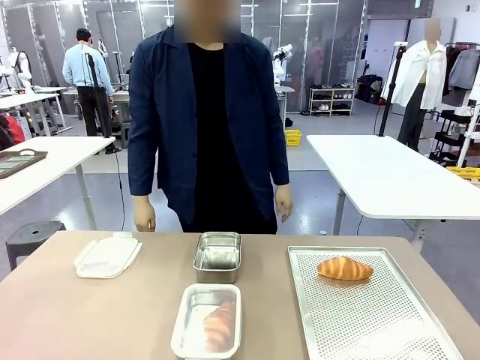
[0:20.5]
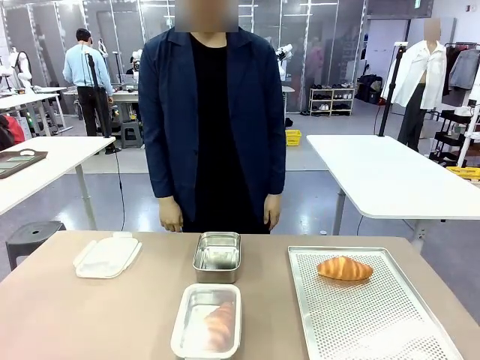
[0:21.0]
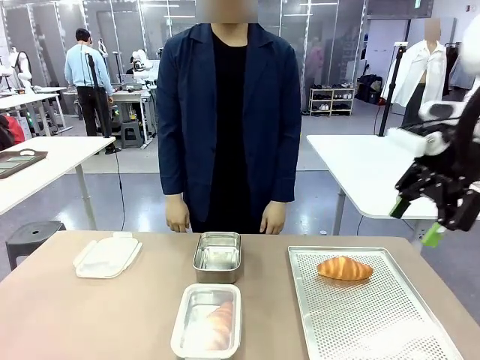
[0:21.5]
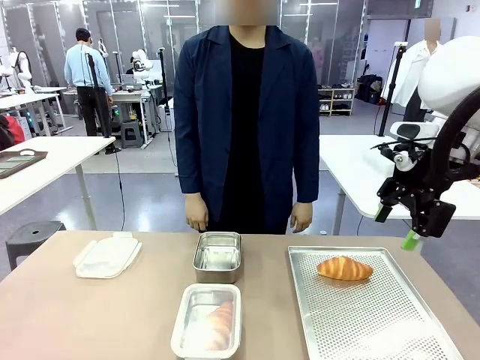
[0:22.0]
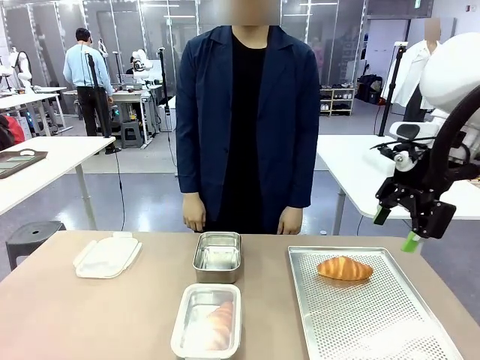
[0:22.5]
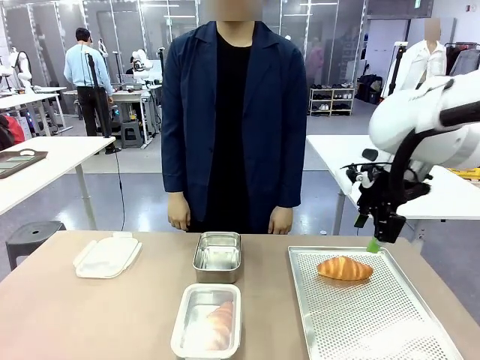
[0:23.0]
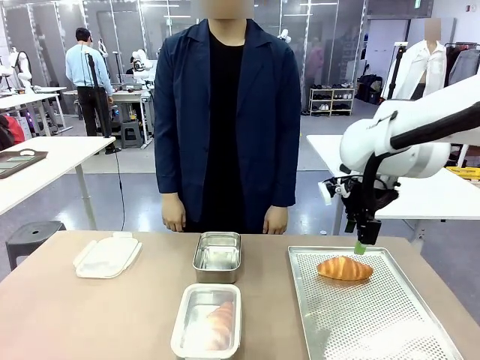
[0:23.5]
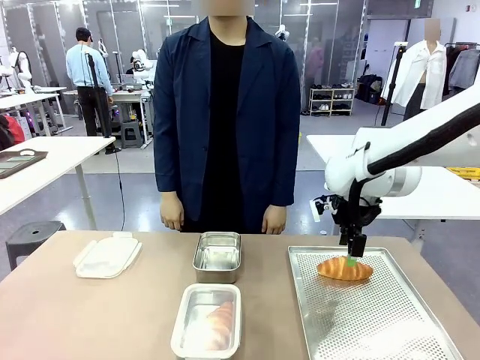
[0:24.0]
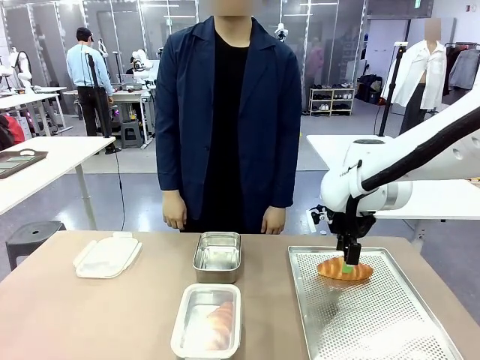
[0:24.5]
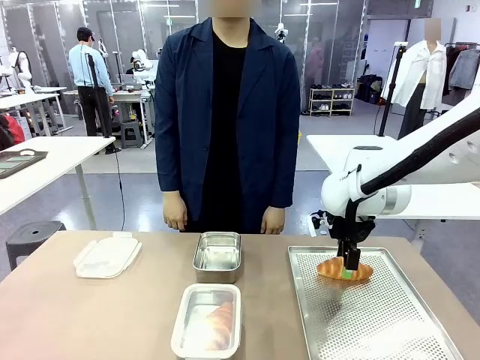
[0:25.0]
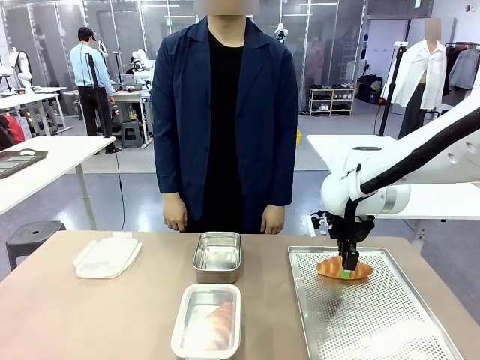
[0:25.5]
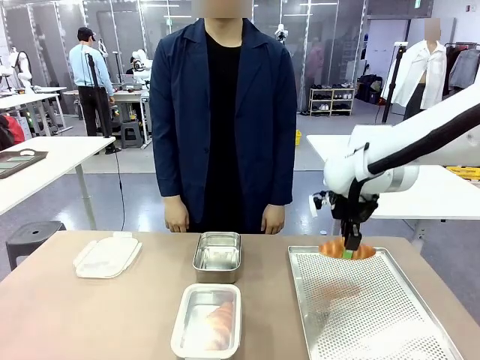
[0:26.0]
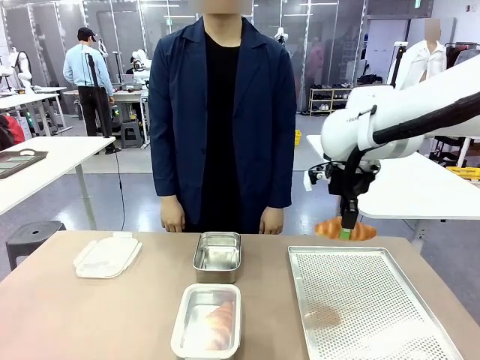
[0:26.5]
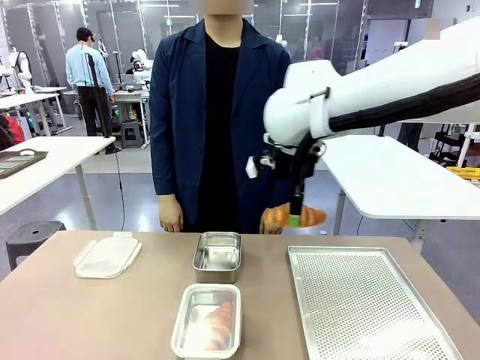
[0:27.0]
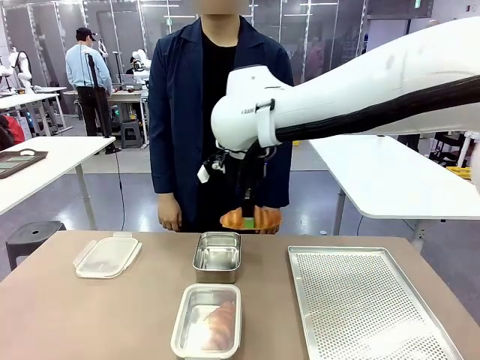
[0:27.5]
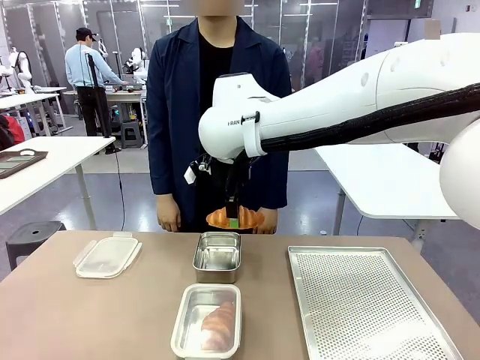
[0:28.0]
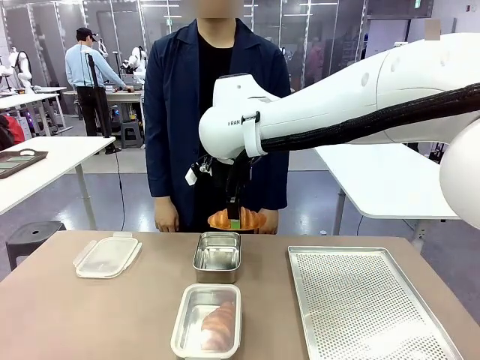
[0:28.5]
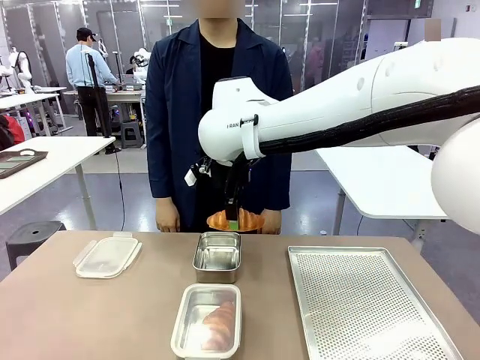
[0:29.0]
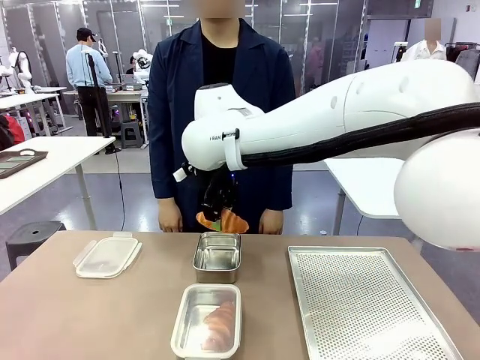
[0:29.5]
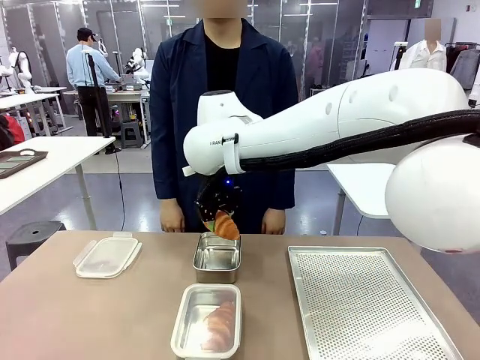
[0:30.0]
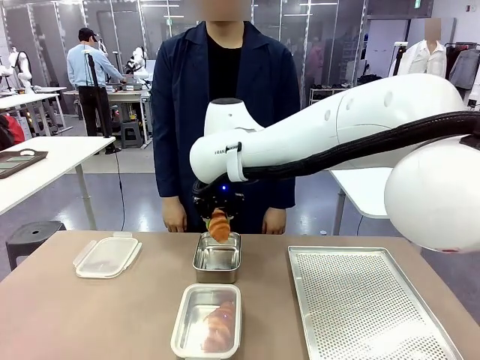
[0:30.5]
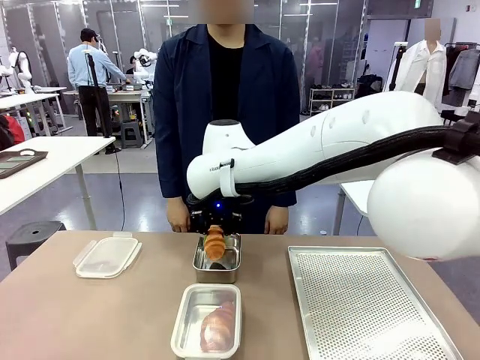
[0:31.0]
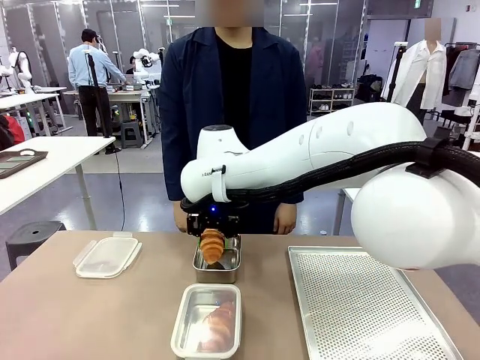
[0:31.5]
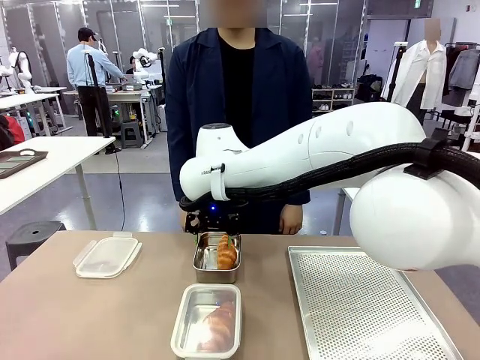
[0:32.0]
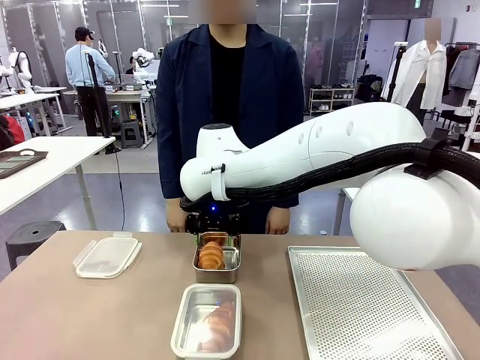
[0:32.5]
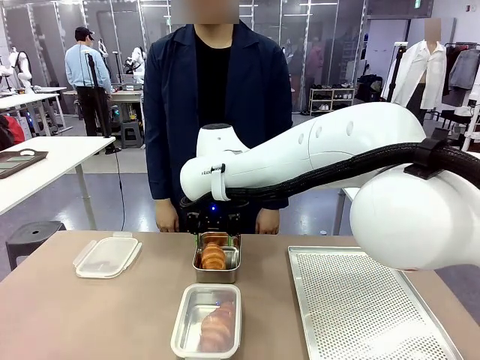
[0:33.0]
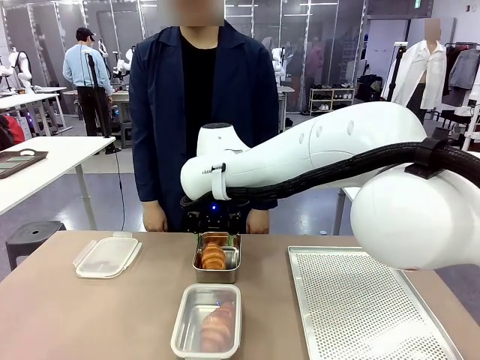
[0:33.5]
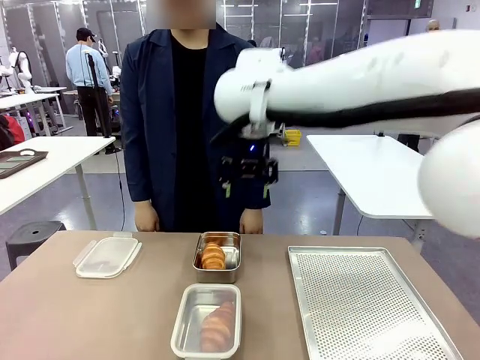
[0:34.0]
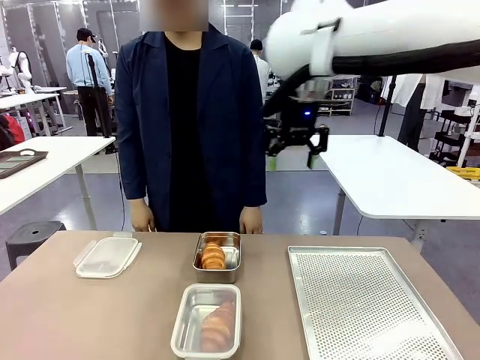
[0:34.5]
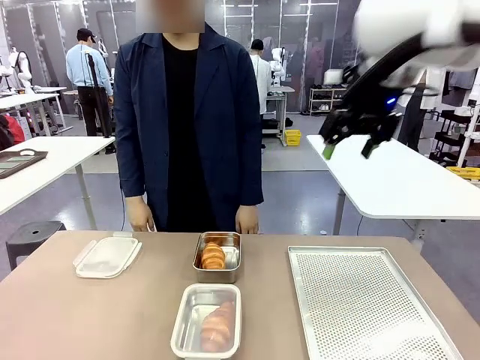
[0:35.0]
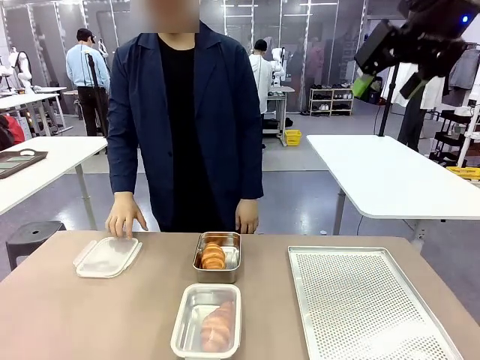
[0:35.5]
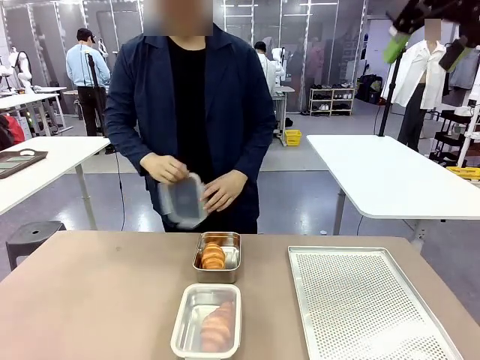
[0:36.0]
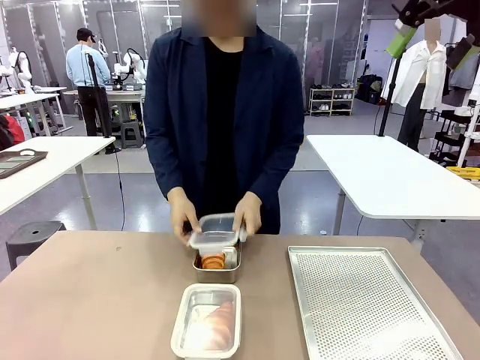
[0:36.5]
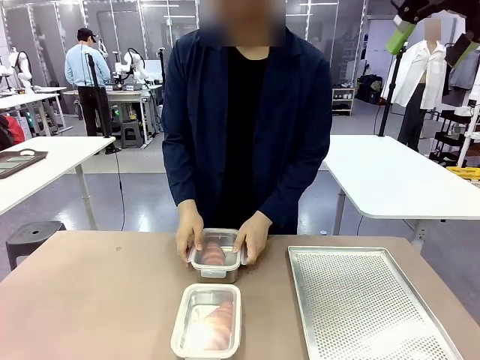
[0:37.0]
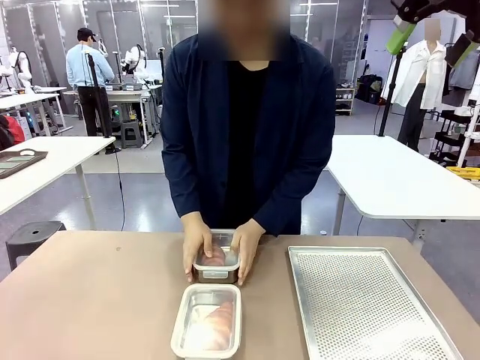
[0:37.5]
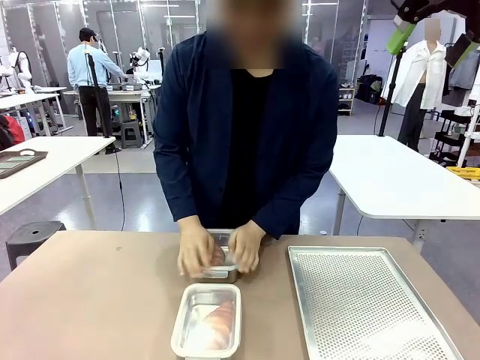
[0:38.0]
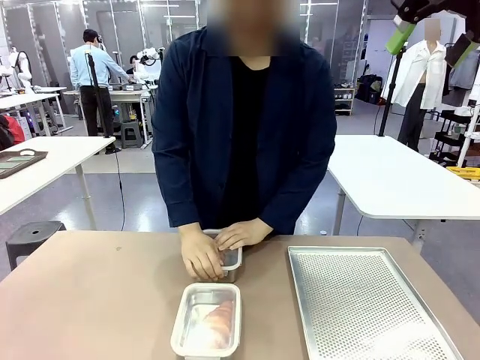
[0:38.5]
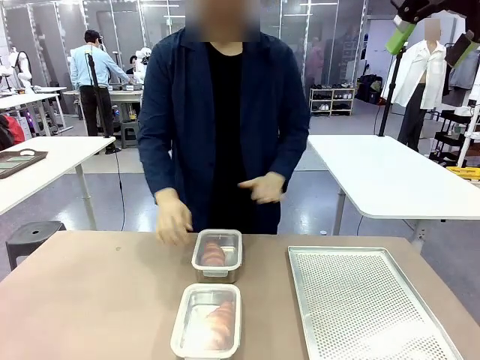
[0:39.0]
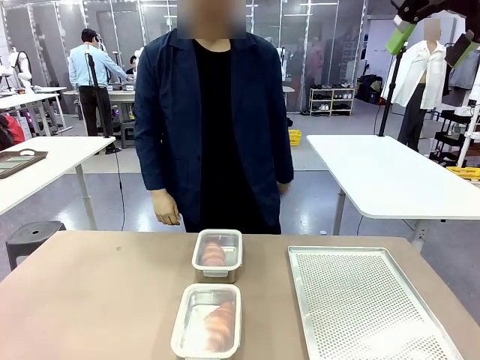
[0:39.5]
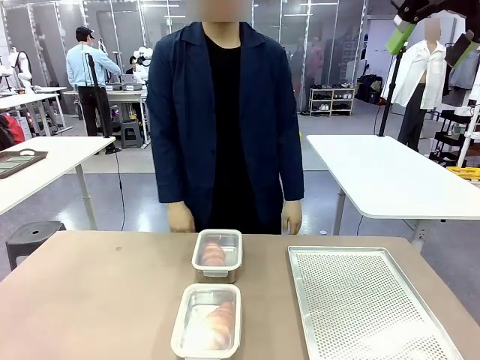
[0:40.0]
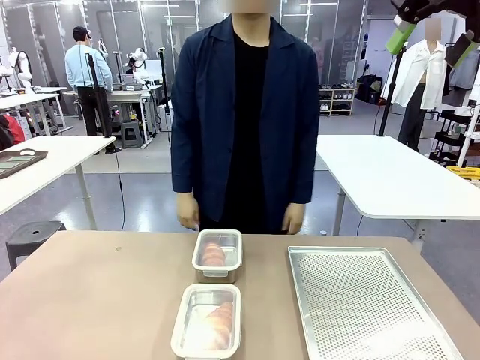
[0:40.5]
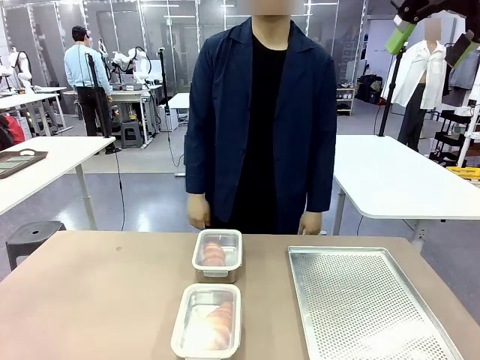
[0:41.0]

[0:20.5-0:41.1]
Task: Place the bread into the airtight container.
Robot: Pick up a Butter Roll and place it into an empty Airtight Container.
Person: Once a Butter Roll is inside an Airtight Container , close the lid of that Airtight Container.
